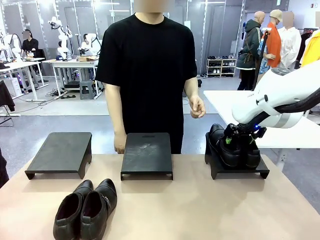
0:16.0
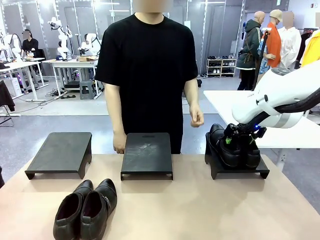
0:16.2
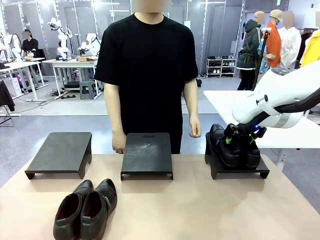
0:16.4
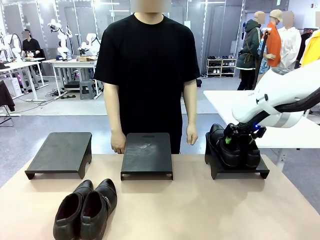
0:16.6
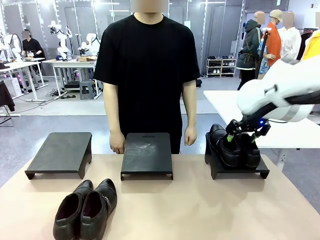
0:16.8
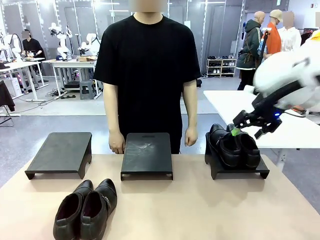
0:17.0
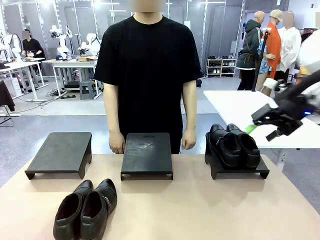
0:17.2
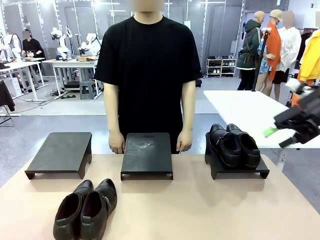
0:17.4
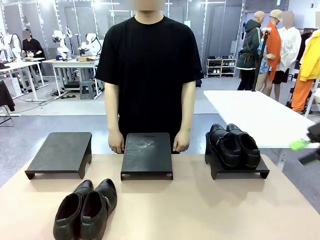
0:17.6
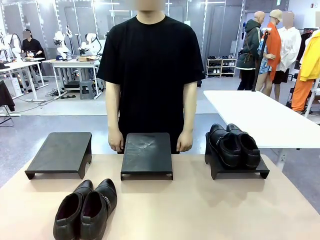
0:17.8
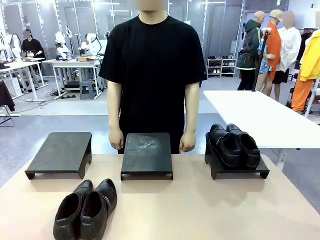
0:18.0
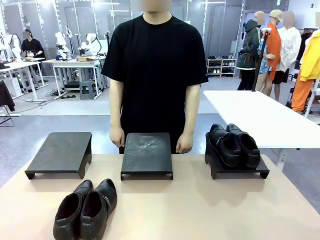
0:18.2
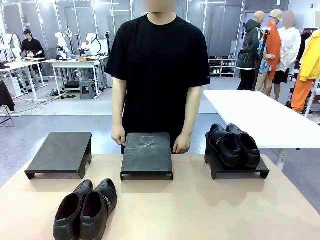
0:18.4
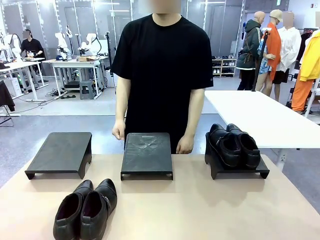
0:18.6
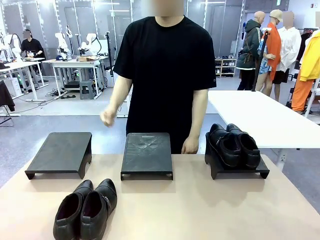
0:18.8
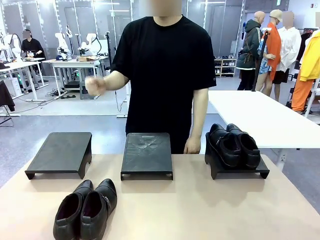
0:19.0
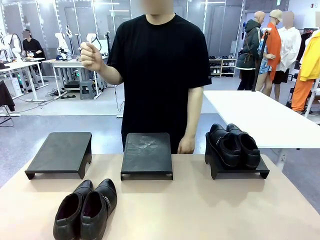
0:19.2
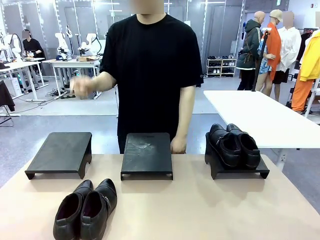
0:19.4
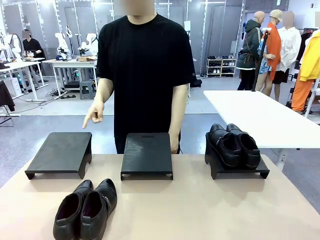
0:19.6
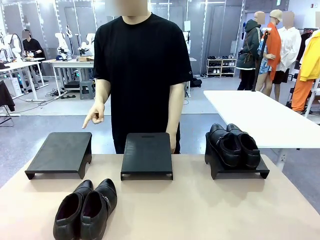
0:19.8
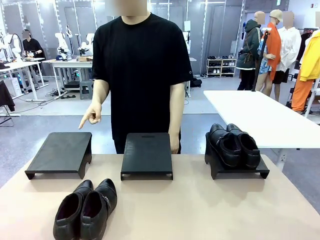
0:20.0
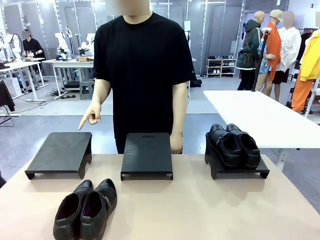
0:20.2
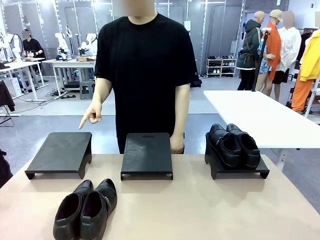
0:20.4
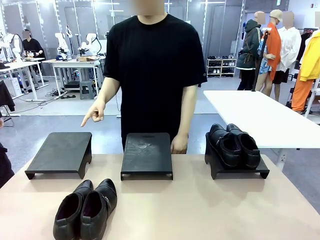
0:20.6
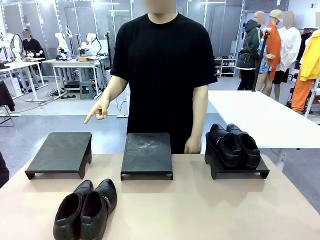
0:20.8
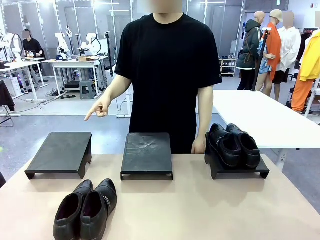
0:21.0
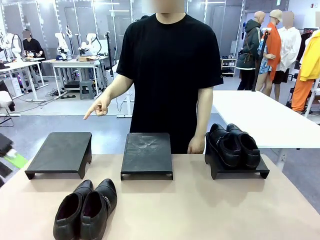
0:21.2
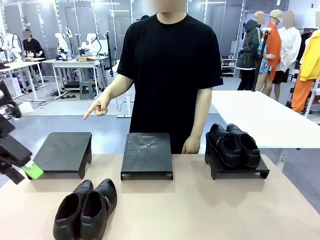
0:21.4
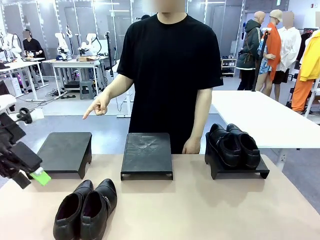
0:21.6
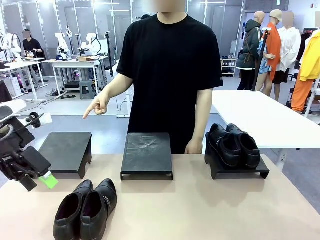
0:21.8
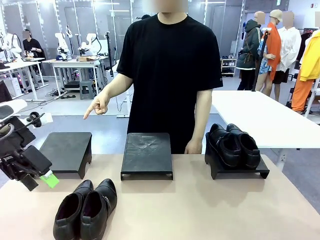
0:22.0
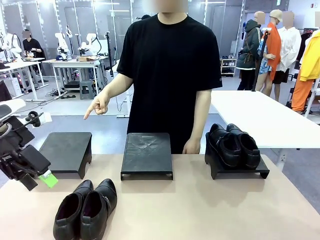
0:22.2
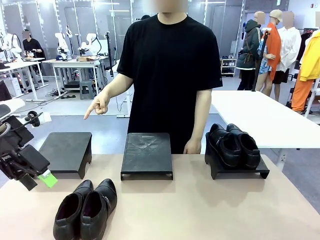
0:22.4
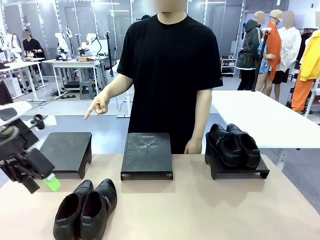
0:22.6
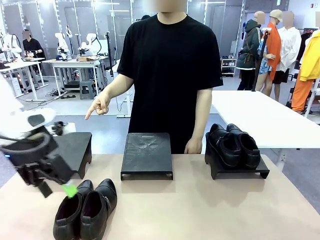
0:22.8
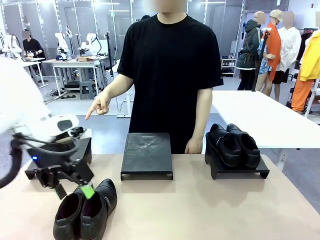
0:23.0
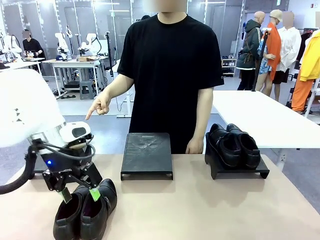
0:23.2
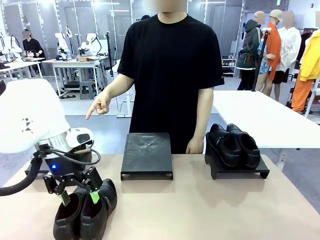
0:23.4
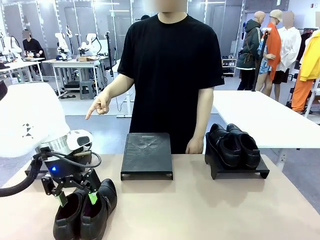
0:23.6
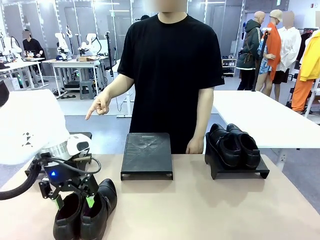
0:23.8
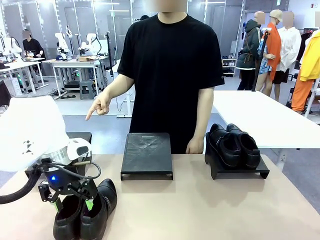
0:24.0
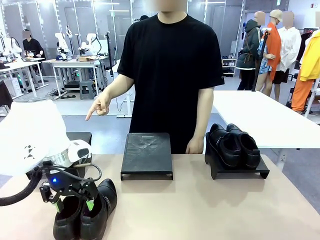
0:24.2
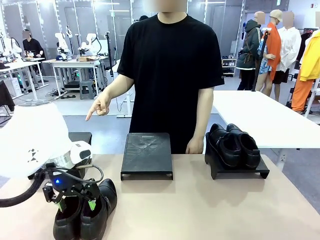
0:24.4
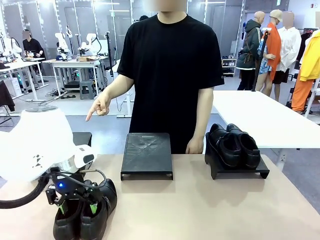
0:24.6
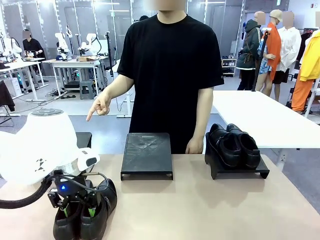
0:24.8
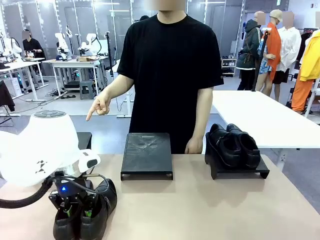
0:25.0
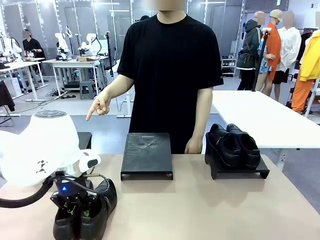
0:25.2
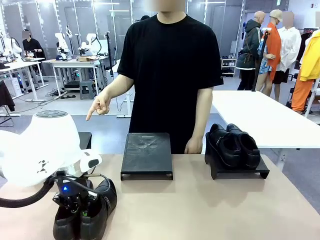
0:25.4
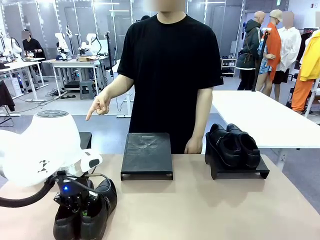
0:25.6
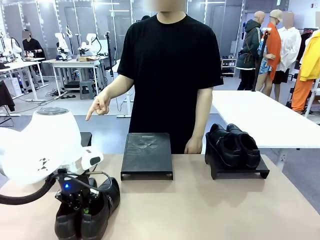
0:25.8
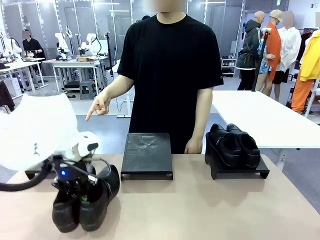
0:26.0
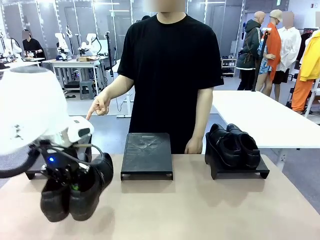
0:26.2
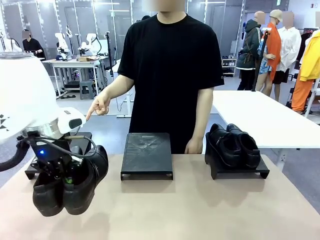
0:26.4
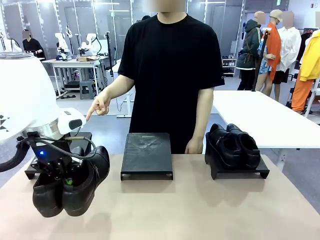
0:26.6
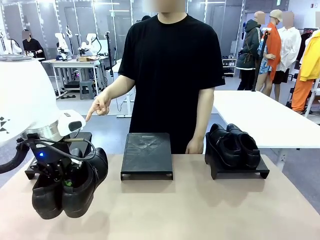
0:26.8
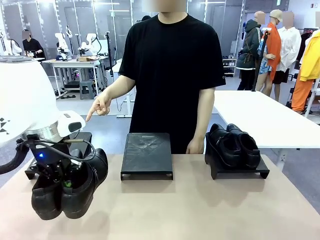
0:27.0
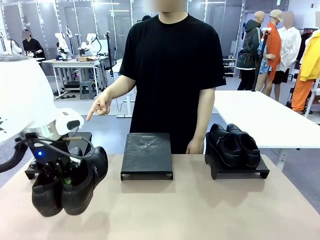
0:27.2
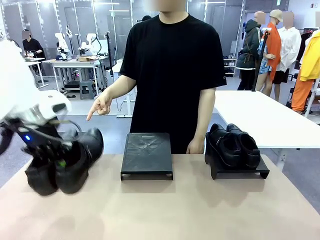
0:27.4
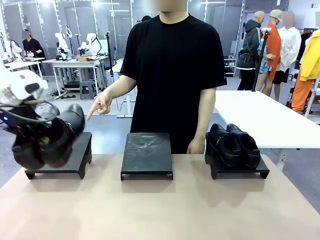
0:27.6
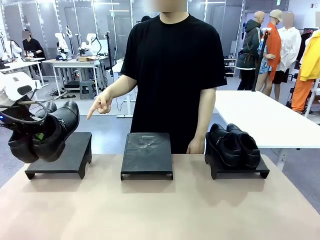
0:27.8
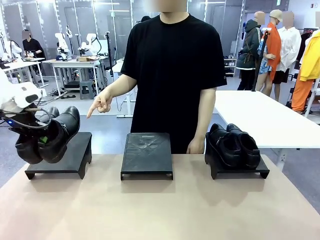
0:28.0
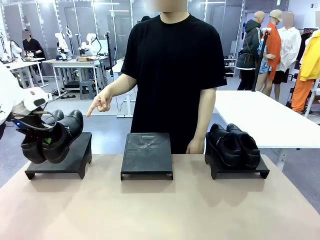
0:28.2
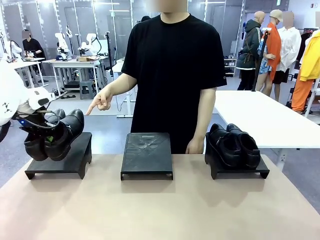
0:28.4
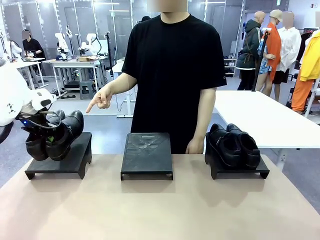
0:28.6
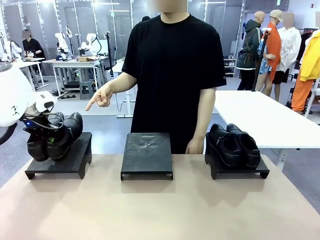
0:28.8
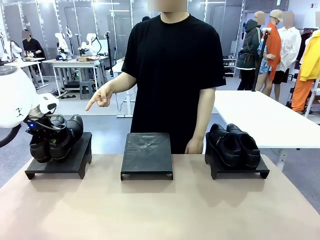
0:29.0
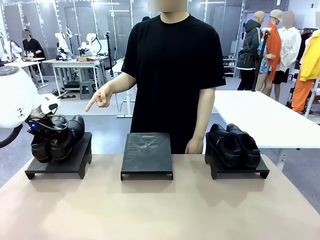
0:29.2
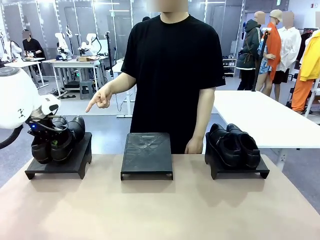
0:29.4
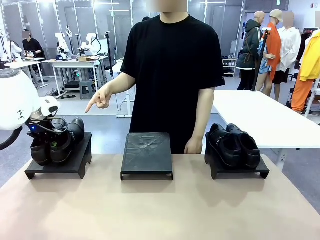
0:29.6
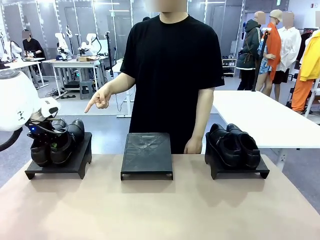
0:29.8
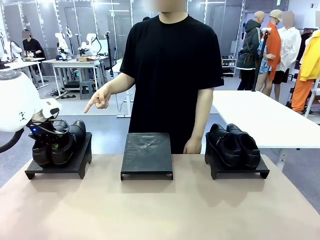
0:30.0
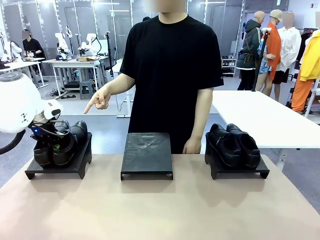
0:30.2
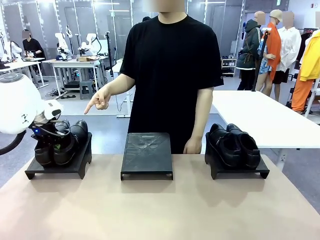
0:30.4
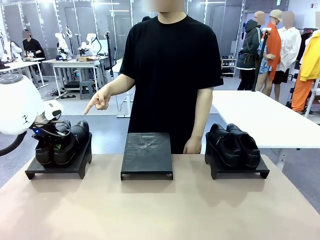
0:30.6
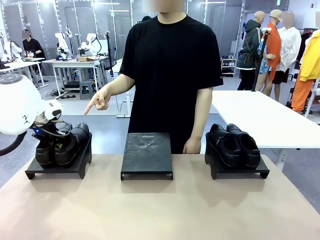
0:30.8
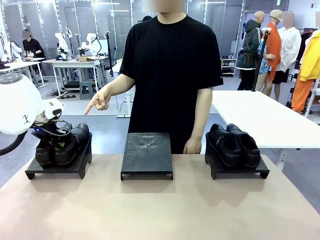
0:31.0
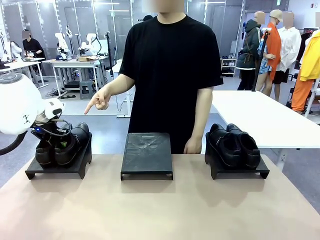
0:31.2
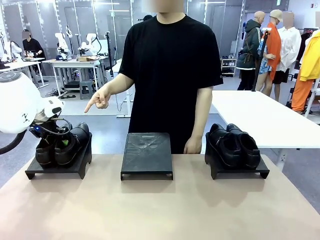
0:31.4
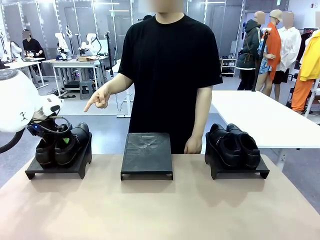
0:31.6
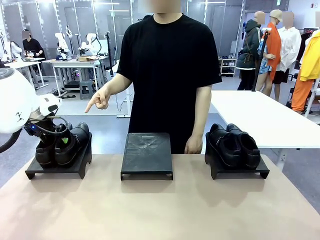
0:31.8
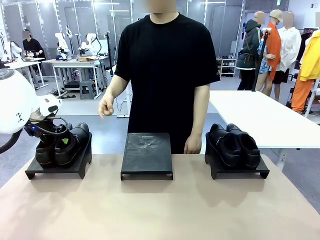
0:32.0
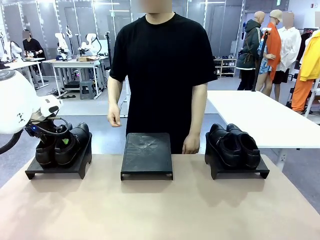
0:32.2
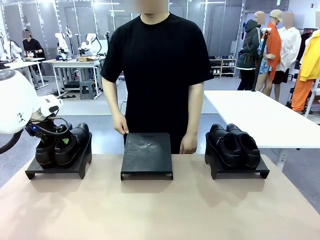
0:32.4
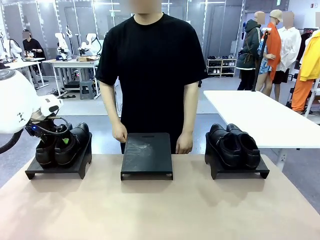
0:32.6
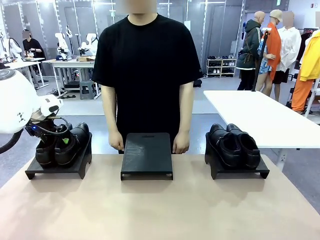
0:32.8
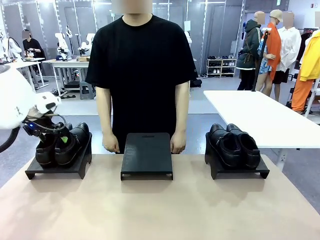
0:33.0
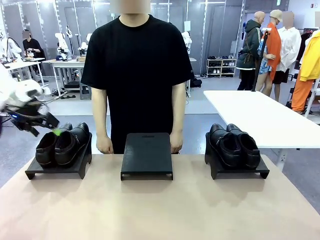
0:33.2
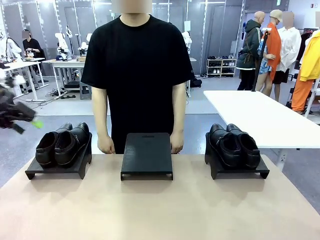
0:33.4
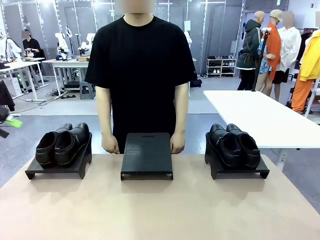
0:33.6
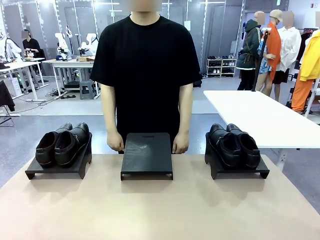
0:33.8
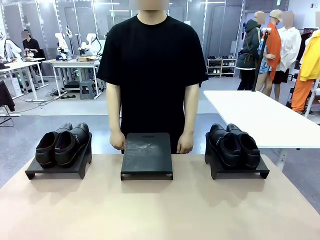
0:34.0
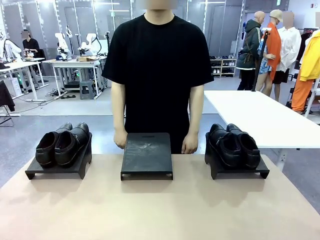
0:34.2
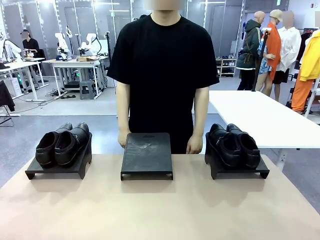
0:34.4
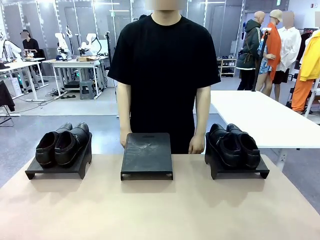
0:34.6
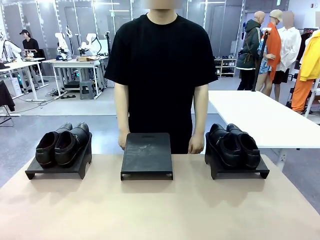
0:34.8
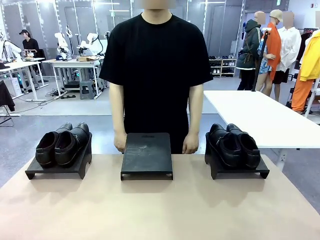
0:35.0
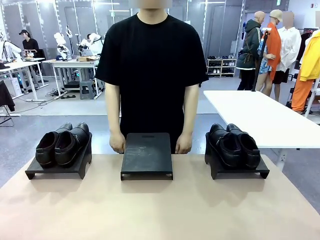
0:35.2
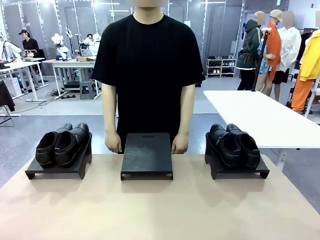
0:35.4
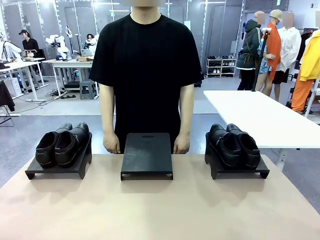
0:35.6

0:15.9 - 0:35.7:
Task: Place the shoes on the stand as instructed by the person.
Robot: Pick up another pair of Shoes and place it on the Shoes Stand indicated by the person.
Person: Point to one Shoes Stand.
